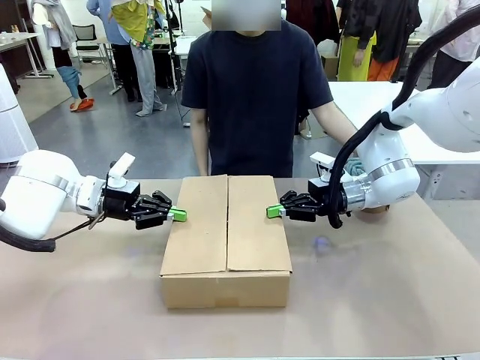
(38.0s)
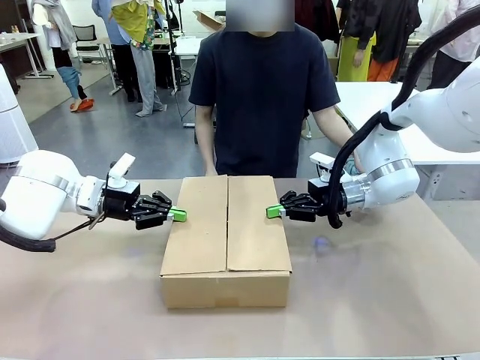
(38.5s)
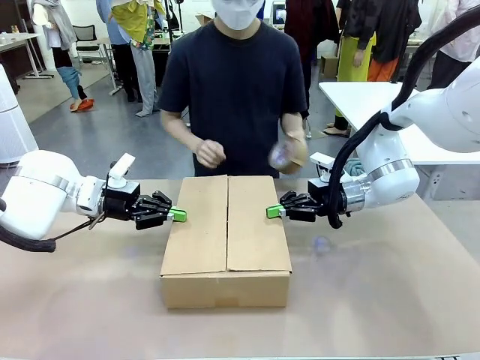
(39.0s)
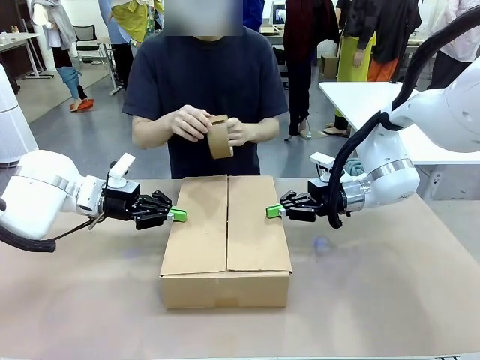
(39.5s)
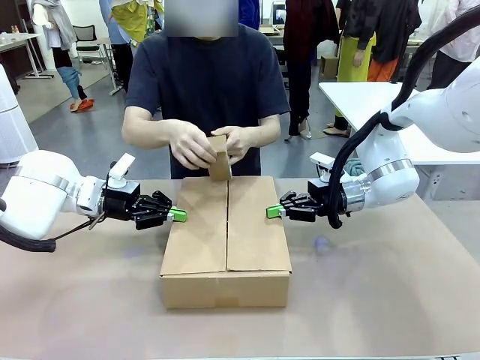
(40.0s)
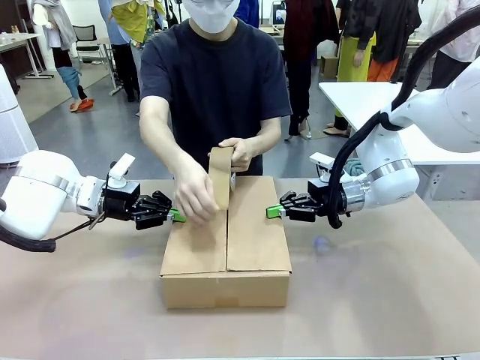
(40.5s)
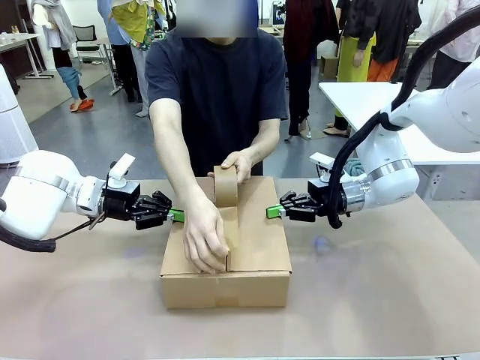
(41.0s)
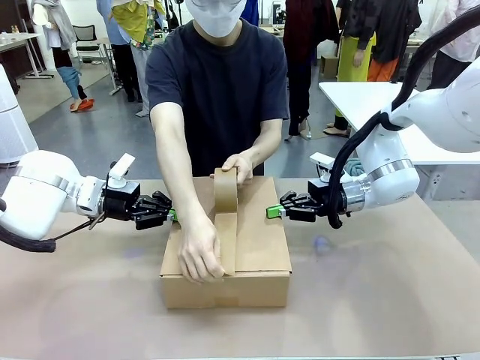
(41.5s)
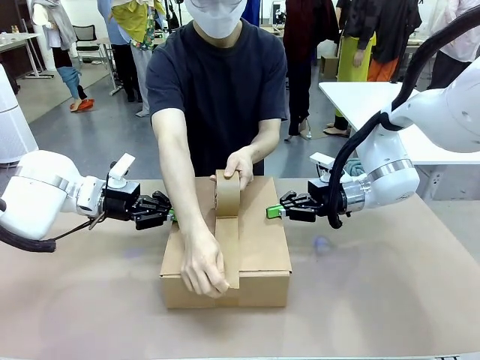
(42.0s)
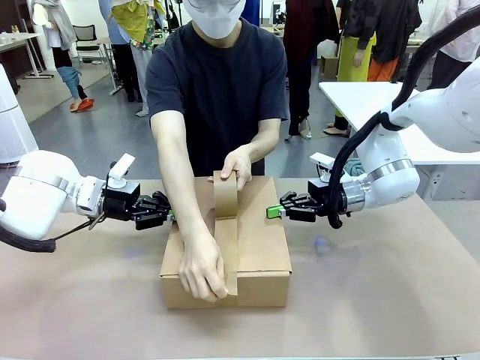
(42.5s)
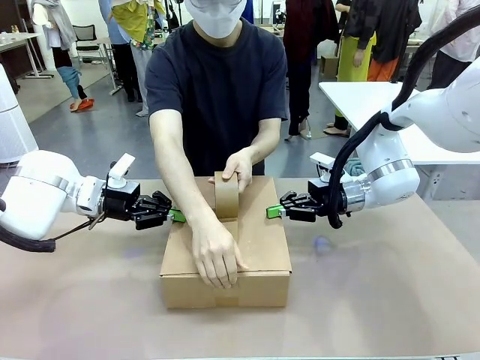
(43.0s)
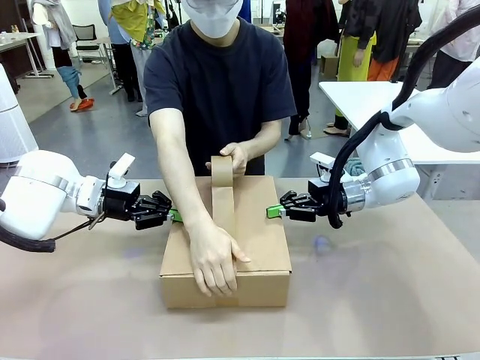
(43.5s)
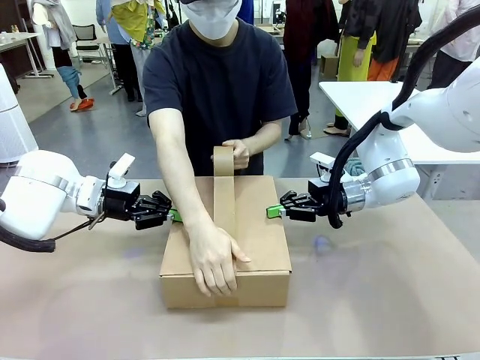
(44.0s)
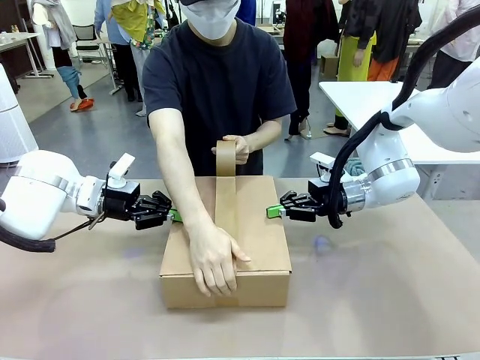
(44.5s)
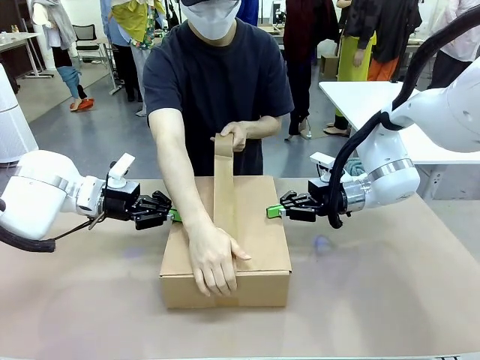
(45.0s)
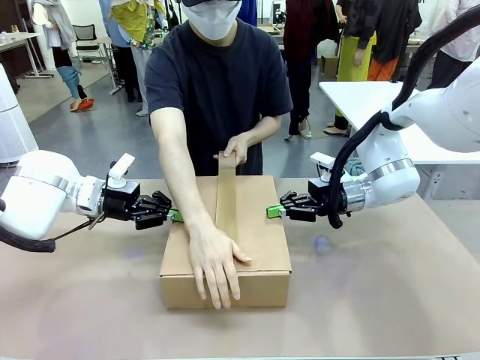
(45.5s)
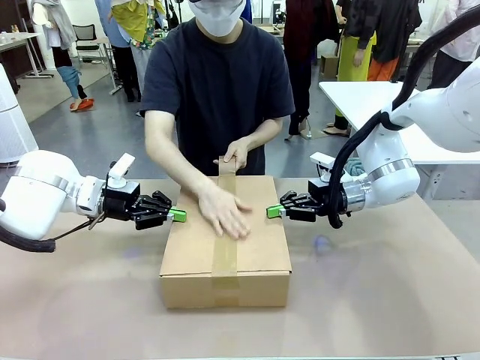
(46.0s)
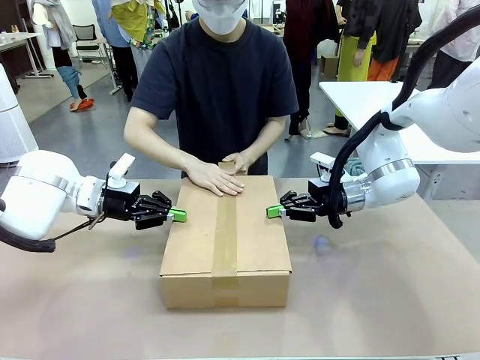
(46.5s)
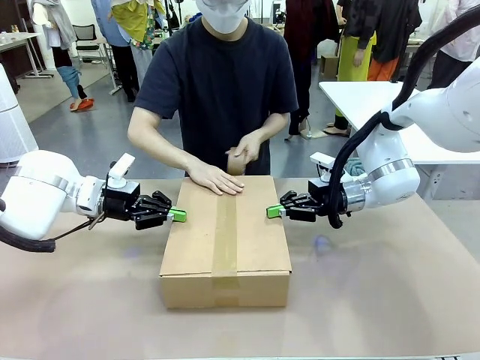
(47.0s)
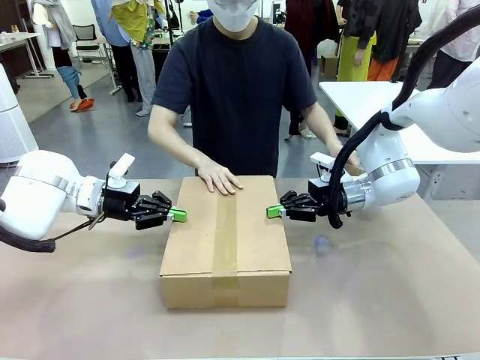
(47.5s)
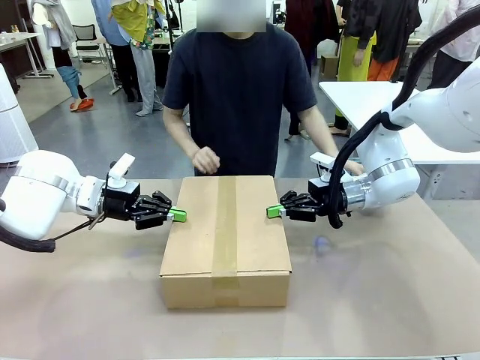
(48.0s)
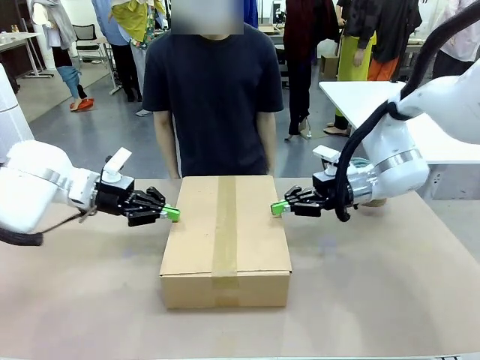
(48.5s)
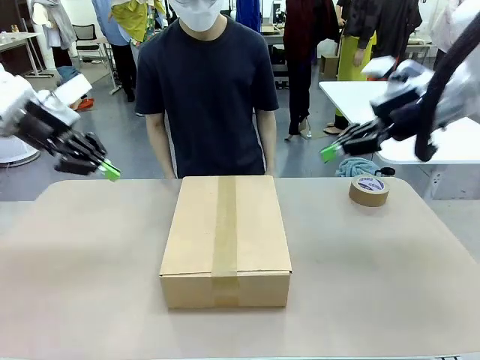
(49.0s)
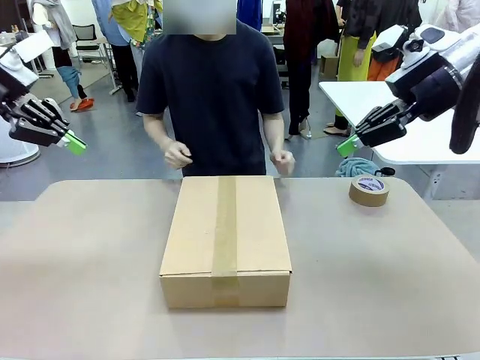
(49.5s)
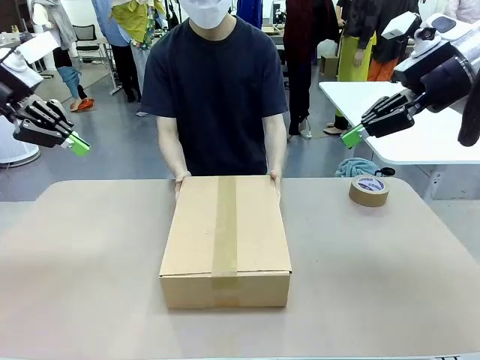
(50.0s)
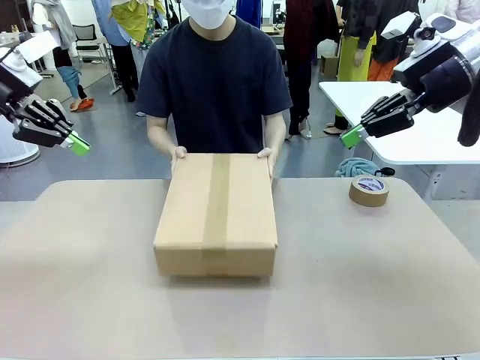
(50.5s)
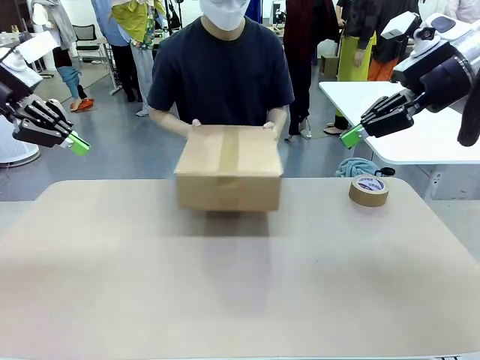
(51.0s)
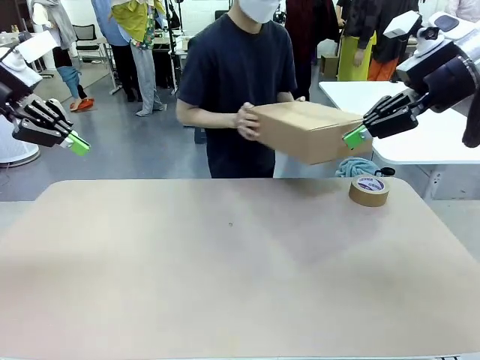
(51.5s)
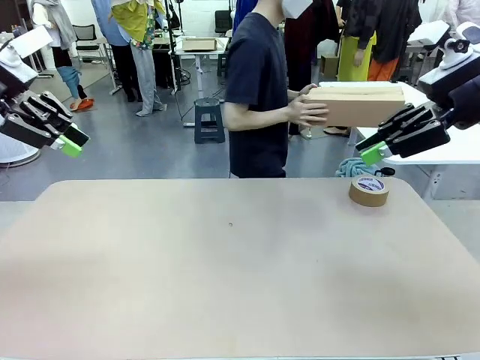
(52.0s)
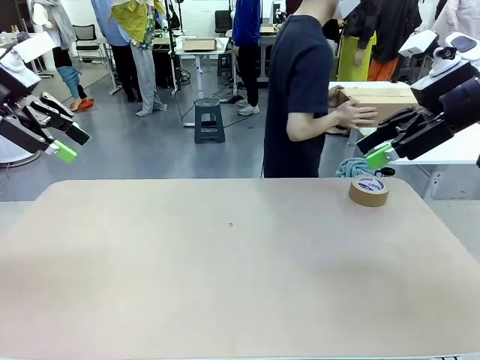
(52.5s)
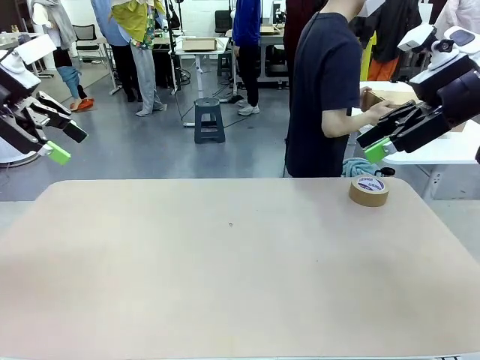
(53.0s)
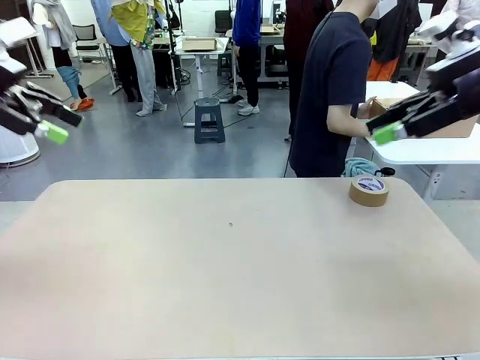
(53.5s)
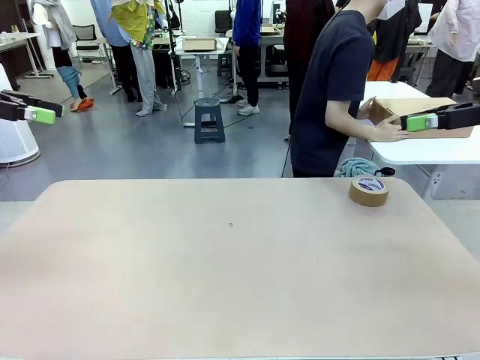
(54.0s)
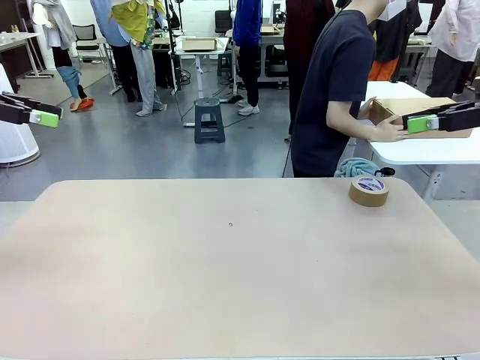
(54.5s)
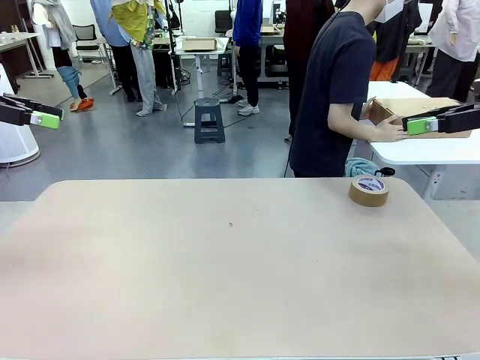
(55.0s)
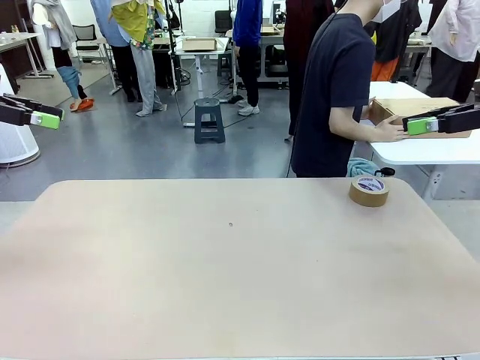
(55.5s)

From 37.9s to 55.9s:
Task: Wrap the clocks to prevent damage.
Robot: After the human seals the box with tape, release both hands from the side flaps of the Package Box.
Person: Once the robot closes the left flap of the Package Box , seal the box with Paper Tape. Place sealed Package Box in the middle of the human's table.

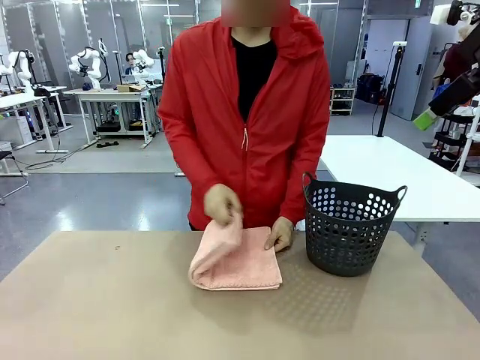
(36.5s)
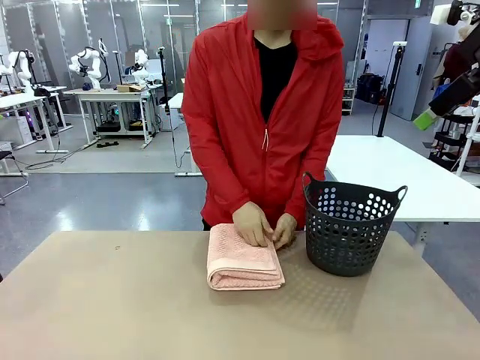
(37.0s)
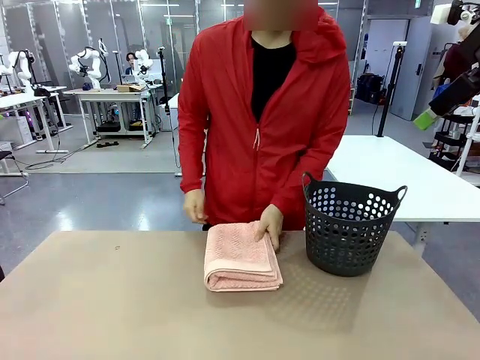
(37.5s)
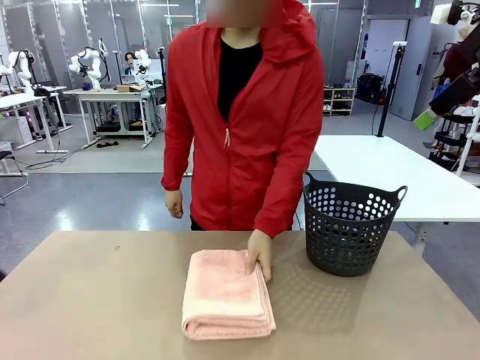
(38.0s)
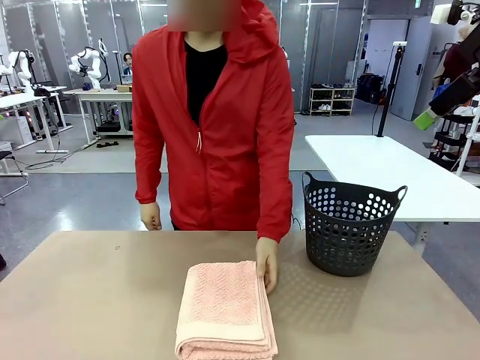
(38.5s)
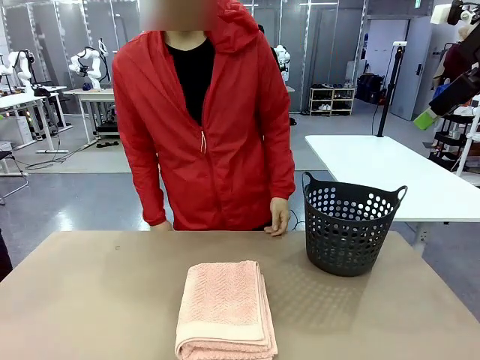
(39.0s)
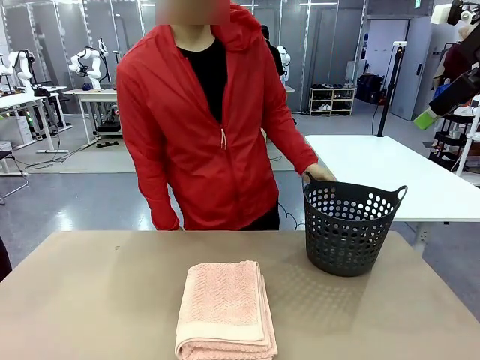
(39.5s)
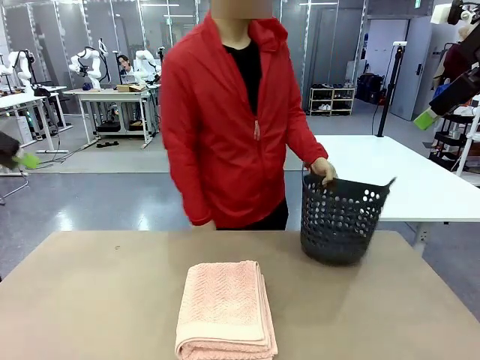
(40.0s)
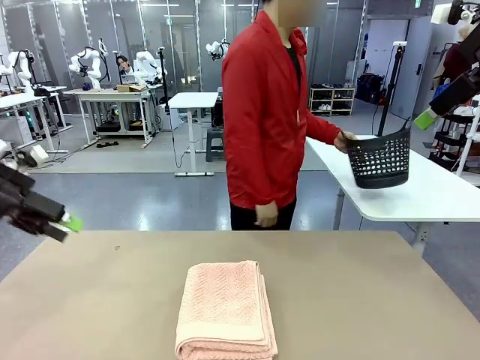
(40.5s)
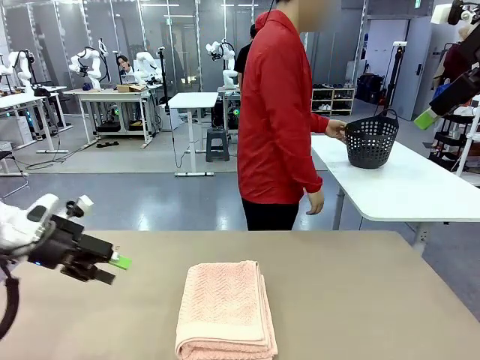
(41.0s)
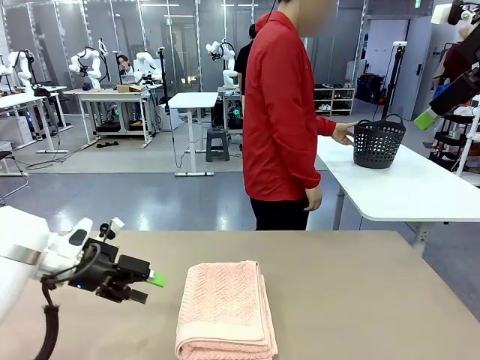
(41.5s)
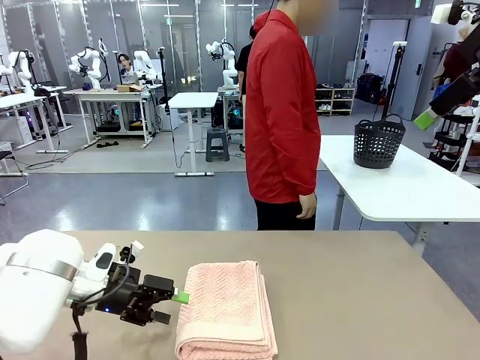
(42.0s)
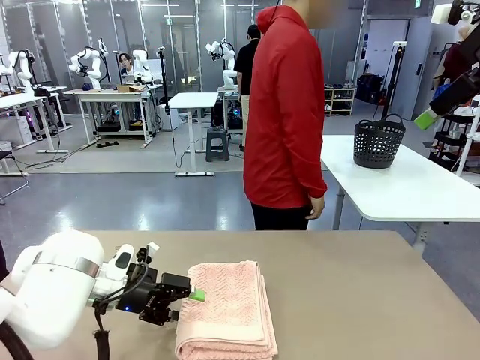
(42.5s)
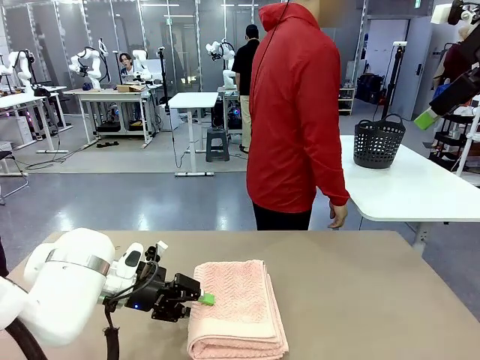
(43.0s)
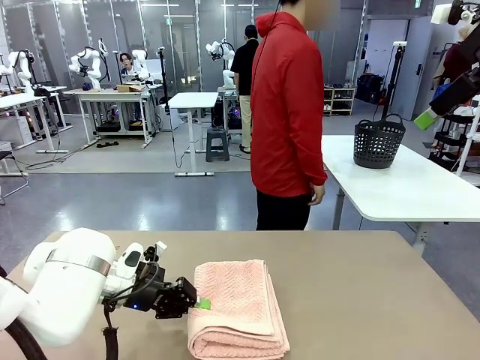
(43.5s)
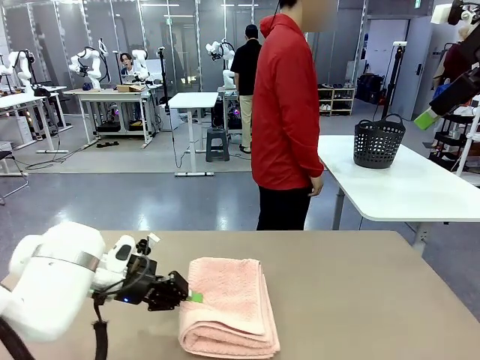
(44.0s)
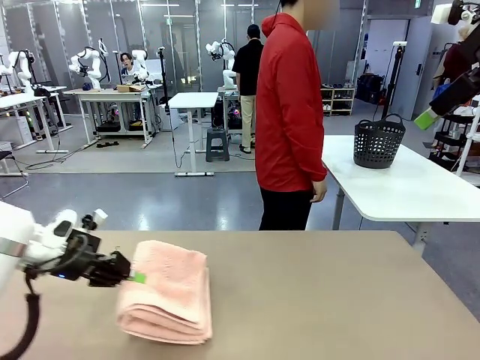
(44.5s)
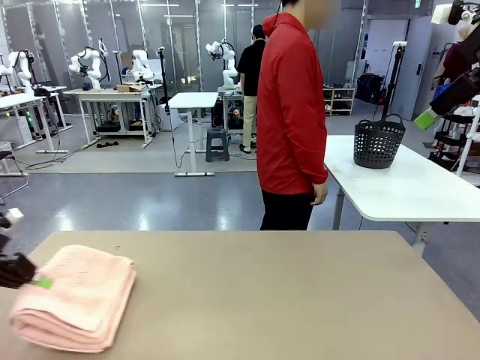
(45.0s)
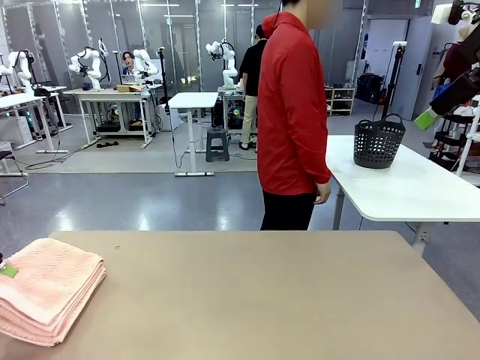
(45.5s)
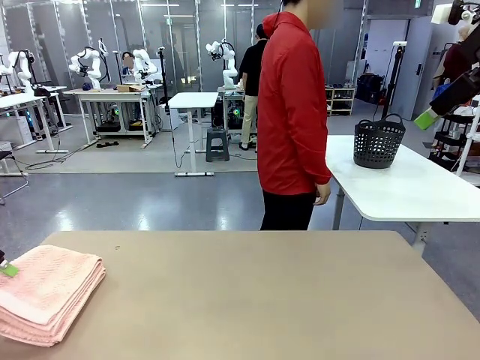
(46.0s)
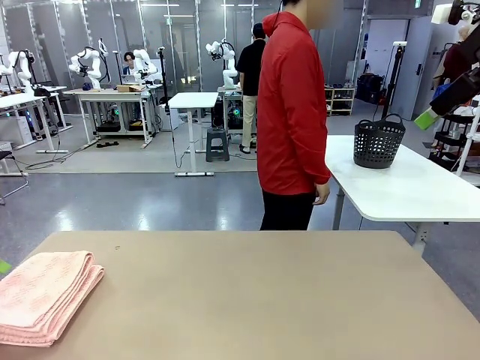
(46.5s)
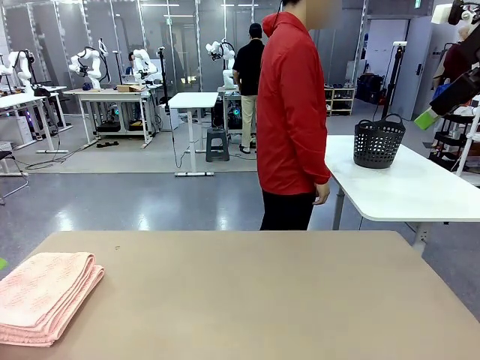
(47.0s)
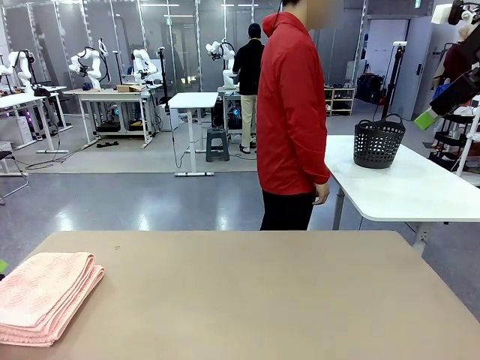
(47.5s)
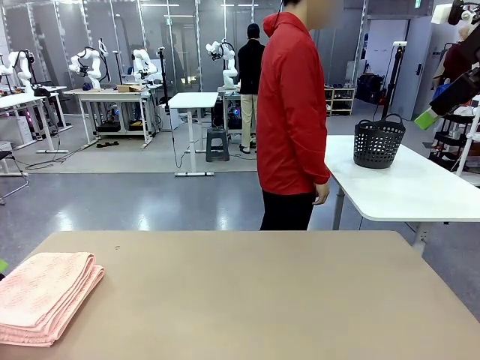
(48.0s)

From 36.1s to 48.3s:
Task: Fold the towel.
Robot: Pick up the 100 cm Hotel Towel and place it on the left side of the table.
Person: Pick up the laundry basket and place it at the center of the human table.
